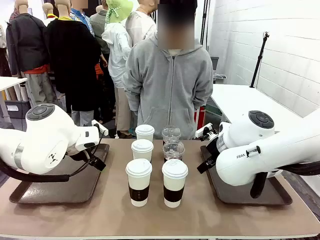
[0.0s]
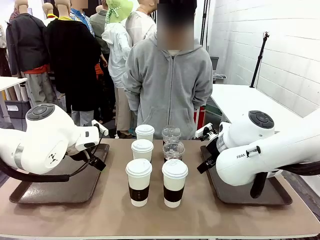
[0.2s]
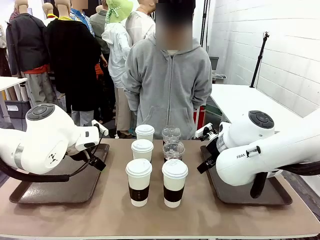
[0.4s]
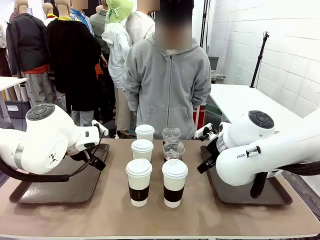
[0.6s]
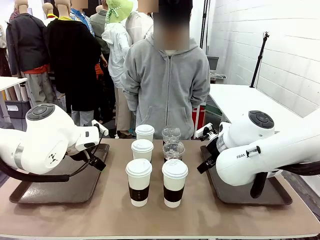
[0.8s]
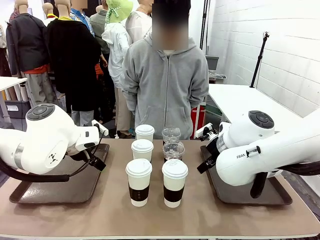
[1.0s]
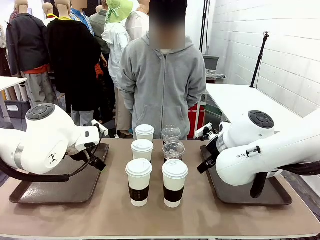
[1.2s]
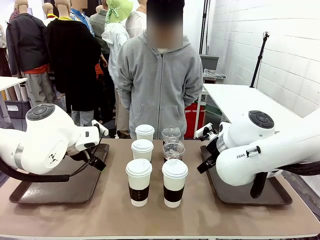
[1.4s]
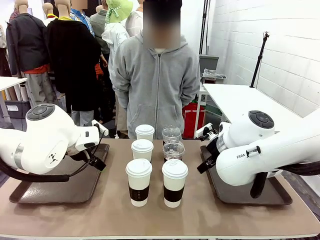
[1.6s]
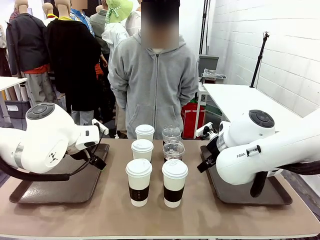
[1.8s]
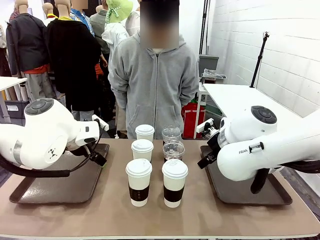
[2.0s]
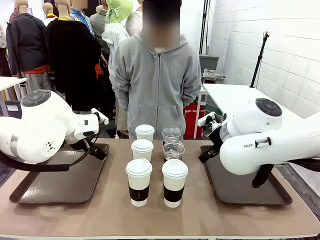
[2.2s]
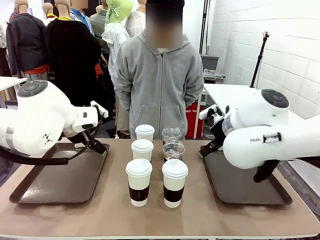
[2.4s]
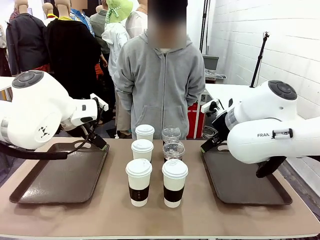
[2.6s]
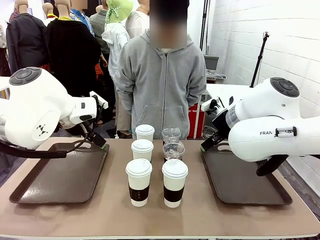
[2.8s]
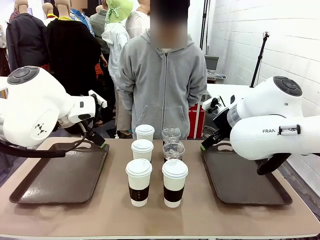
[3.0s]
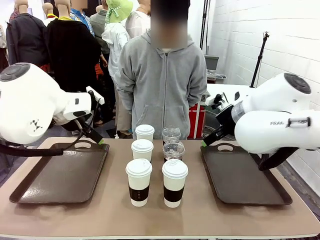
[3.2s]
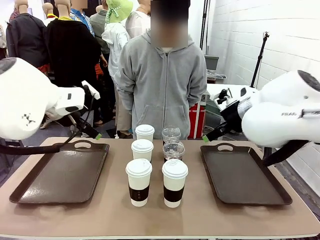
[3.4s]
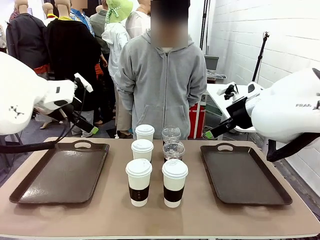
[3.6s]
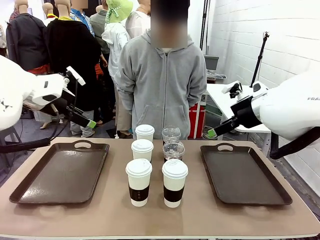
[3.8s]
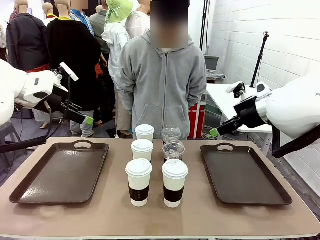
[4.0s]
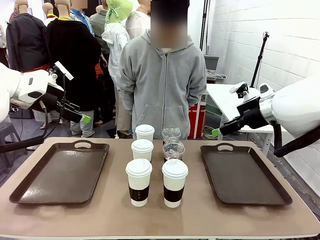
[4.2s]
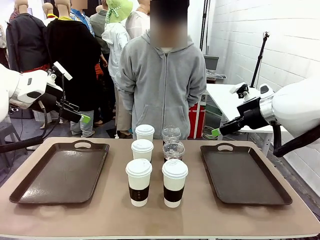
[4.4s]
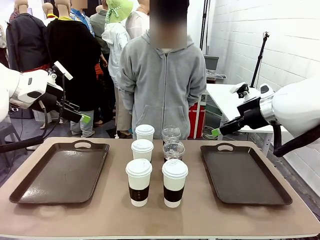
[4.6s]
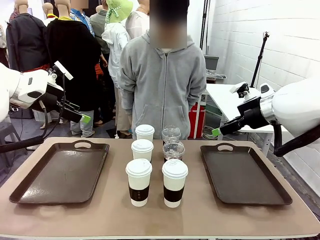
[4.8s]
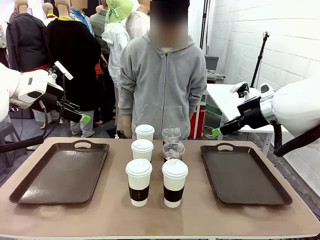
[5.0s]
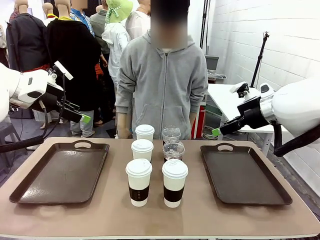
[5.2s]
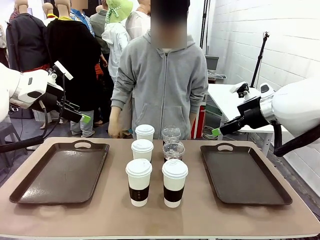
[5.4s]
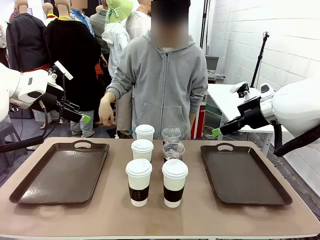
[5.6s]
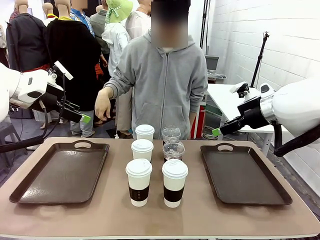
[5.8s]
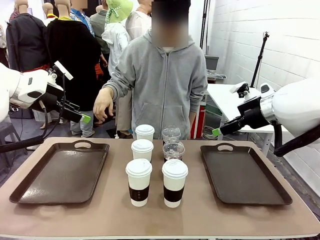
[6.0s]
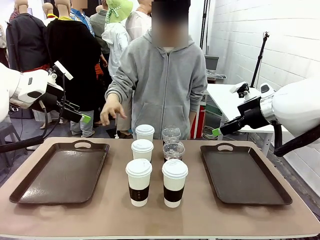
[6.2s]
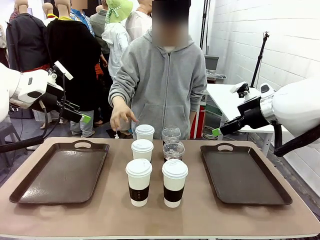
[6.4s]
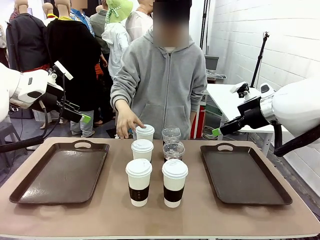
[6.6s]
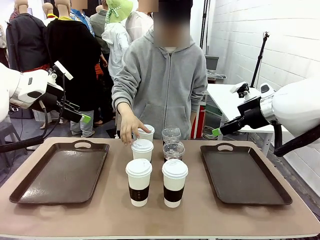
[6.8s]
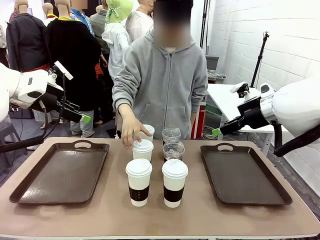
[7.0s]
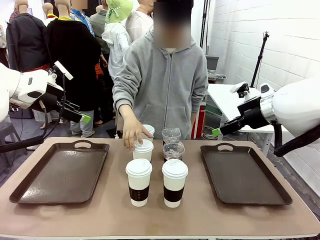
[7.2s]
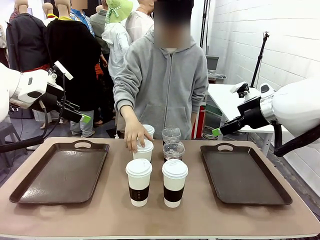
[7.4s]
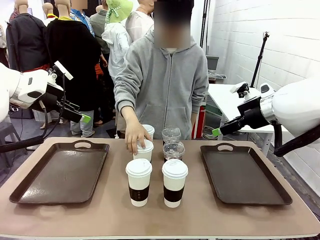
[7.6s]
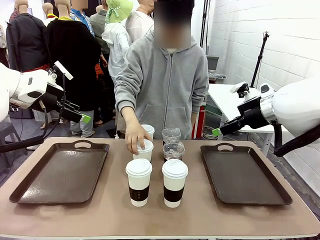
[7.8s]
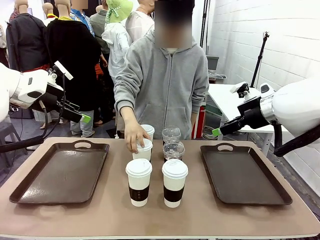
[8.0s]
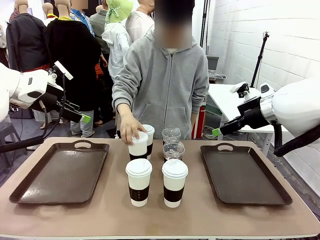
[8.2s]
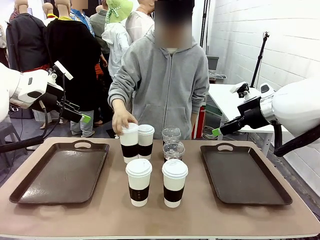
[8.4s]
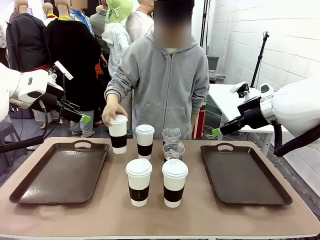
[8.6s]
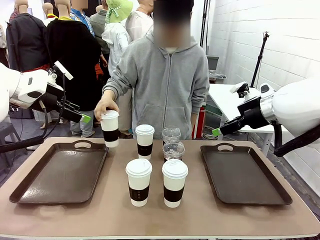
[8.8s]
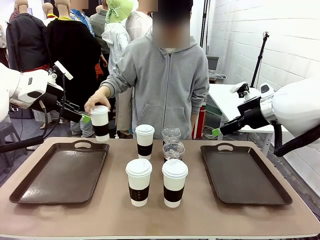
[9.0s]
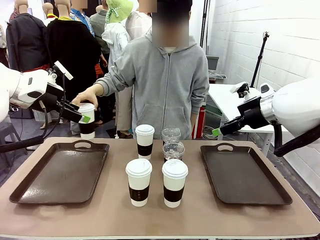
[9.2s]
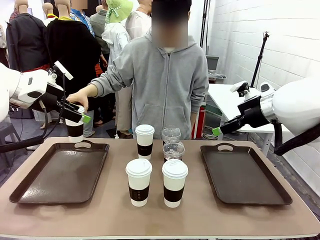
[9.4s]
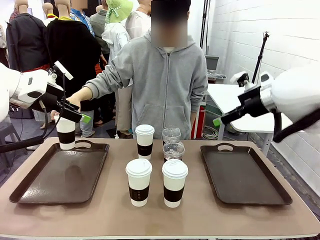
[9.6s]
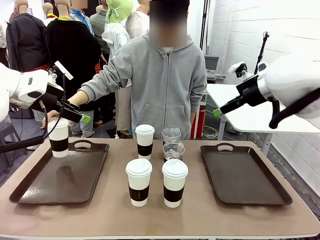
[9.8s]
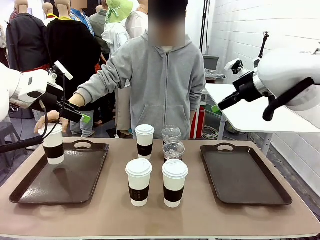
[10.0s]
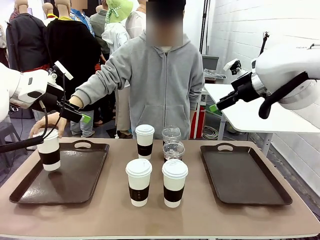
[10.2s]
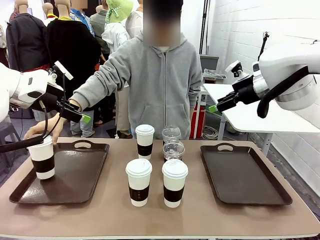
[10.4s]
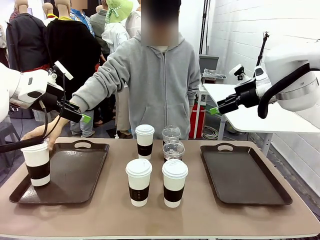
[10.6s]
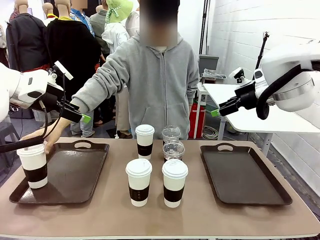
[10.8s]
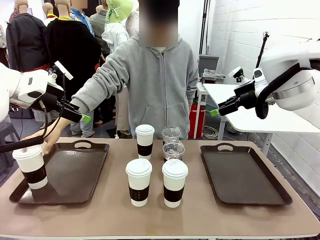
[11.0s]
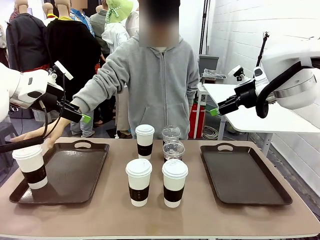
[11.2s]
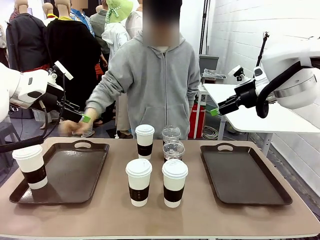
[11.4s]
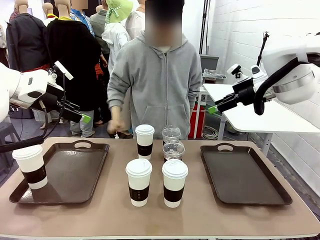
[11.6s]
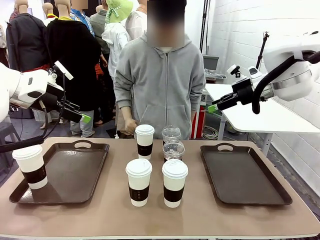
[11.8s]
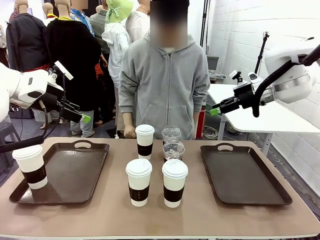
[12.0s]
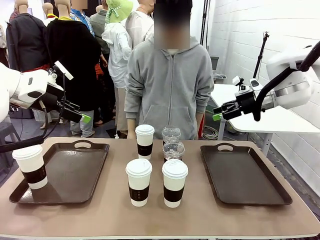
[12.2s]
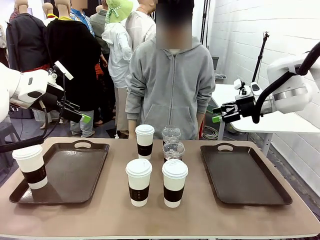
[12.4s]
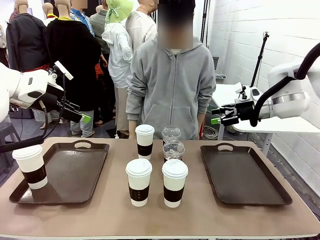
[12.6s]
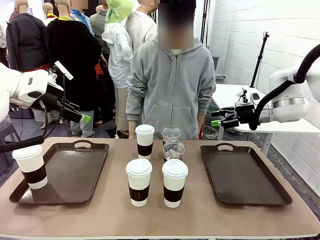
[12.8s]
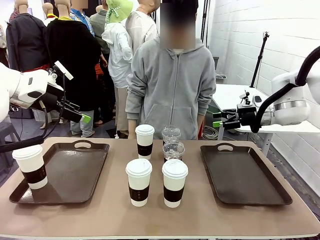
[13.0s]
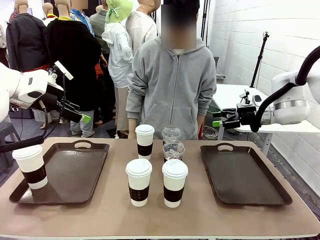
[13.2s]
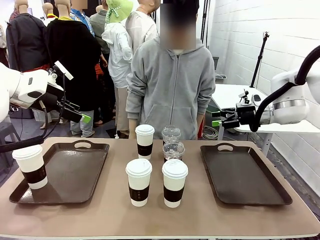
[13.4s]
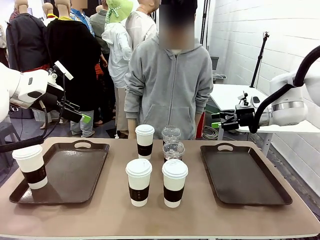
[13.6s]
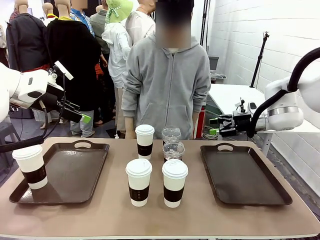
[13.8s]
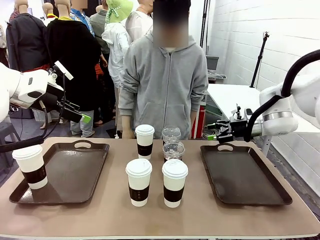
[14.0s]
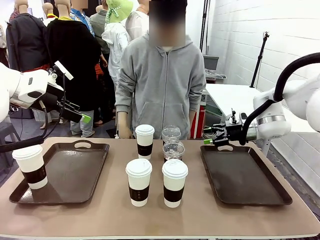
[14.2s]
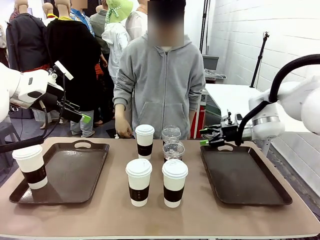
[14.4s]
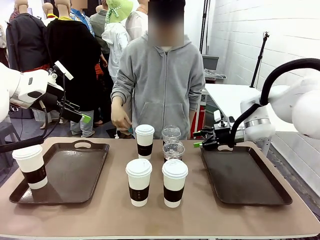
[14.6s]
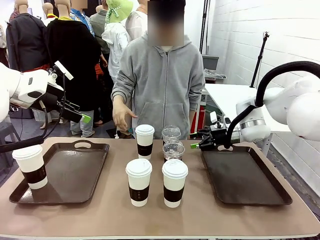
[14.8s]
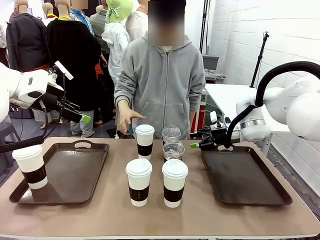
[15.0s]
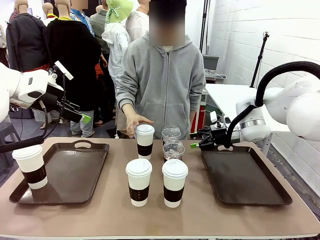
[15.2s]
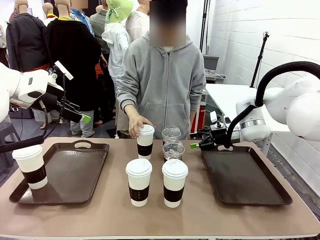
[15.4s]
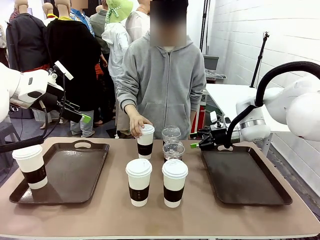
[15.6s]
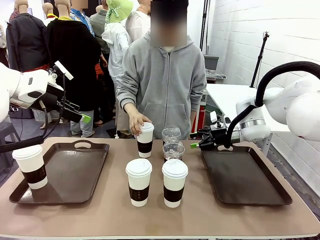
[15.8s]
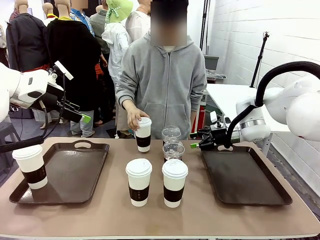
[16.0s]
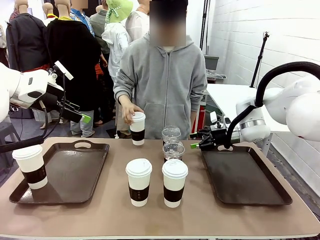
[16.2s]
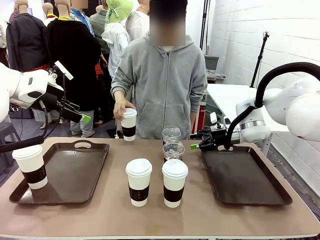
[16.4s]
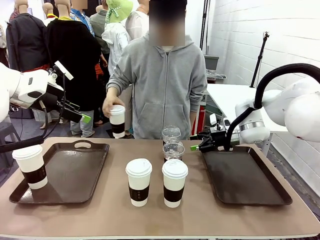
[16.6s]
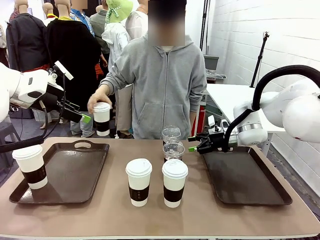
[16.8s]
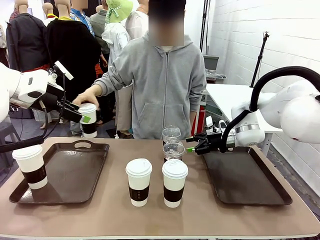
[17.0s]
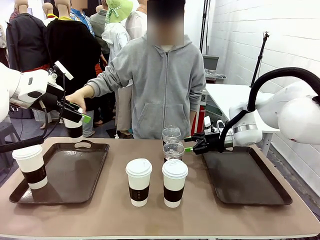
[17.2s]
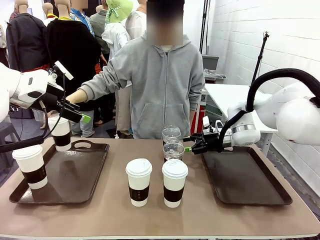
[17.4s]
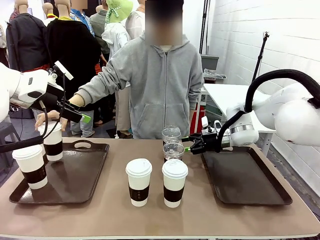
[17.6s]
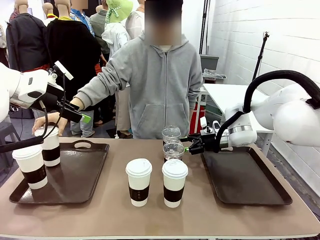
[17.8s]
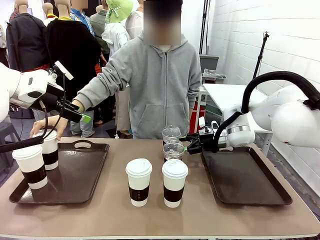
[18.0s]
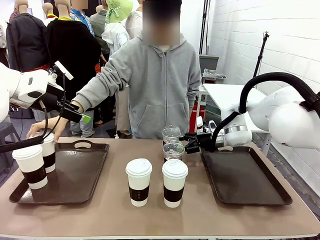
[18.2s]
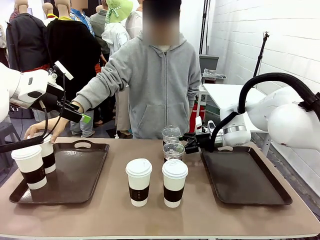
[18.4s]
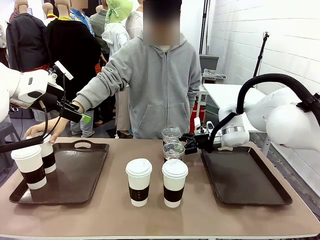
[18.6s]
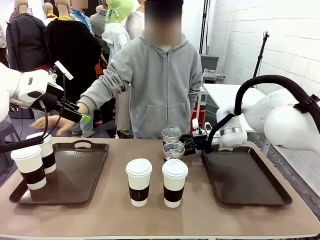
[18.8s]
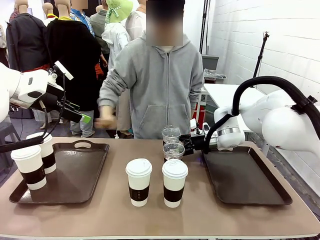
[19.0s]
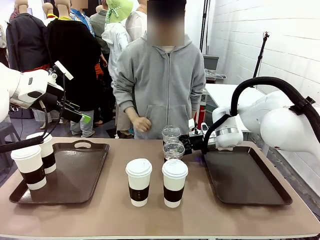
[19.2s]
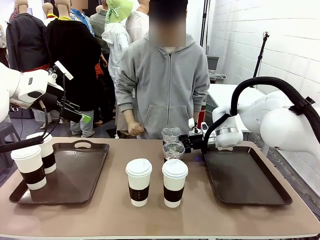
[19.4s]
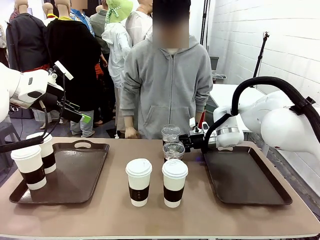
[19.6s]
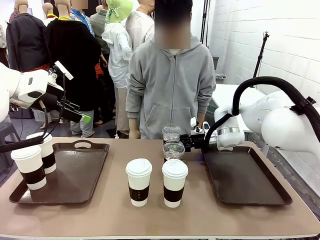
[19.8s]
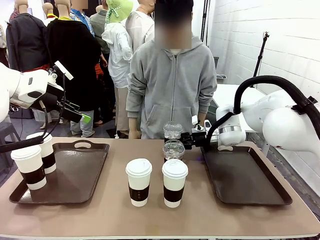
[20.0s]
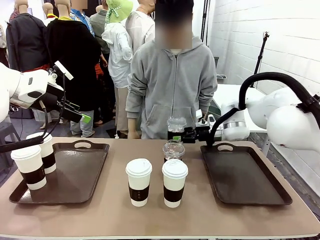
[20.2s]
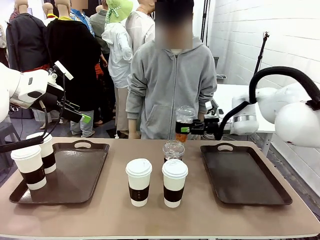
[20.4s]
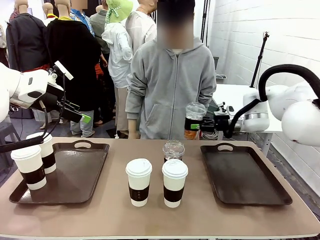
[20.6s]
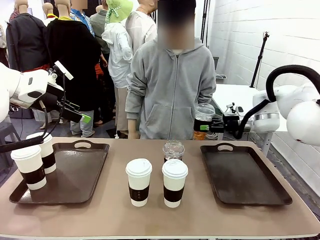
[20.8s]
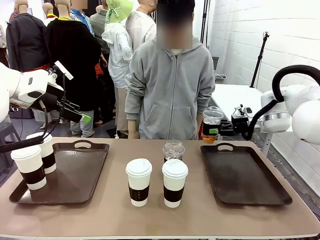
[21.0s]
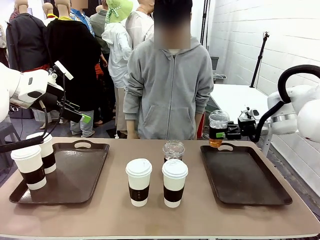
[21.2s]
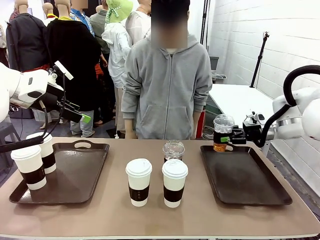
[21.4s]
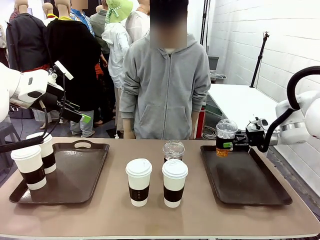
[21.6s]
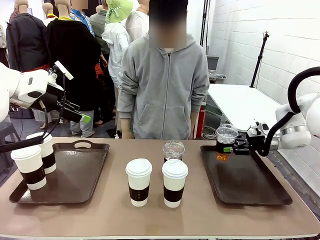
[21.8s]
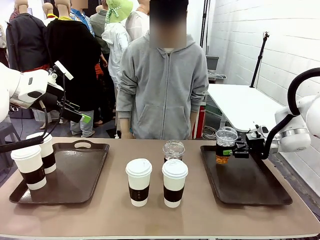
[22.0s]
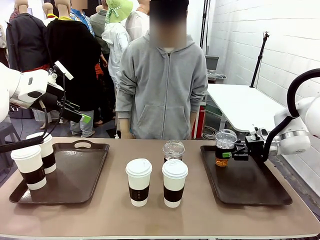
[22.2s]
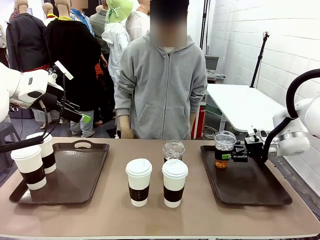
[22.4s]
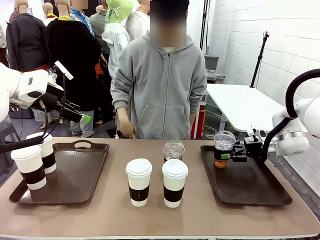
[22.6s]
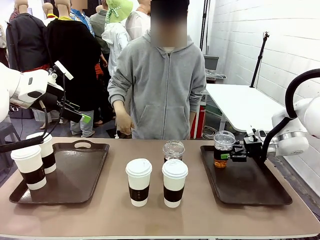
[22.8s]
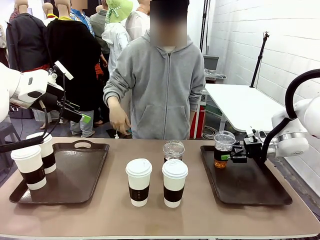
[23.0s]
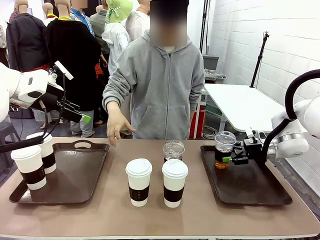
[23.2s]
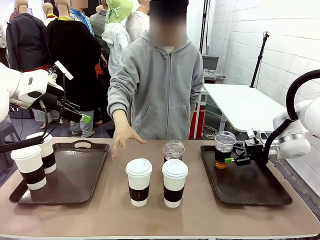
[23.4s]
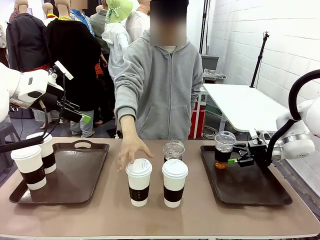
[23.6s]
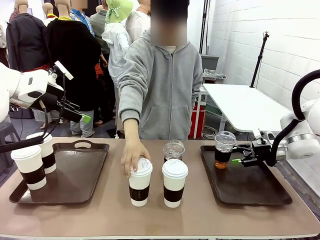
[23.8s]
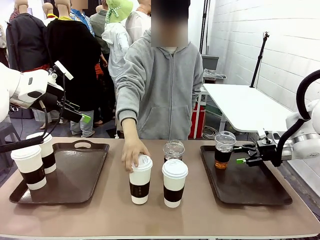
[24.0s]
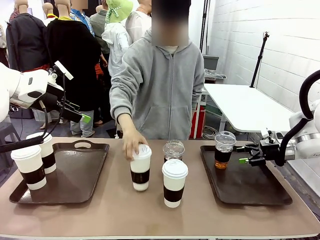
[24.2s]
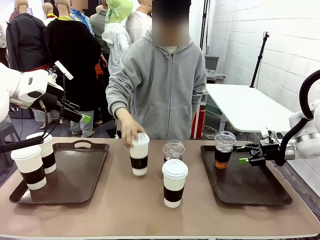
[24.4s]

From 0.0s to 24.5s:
Task: Distribute the coffee onto the tray.
Robot: Pick up one iced Americano and place it on the right Handle tray.
Person: Pick up a cup of hot Americano and place it on the right tray.
